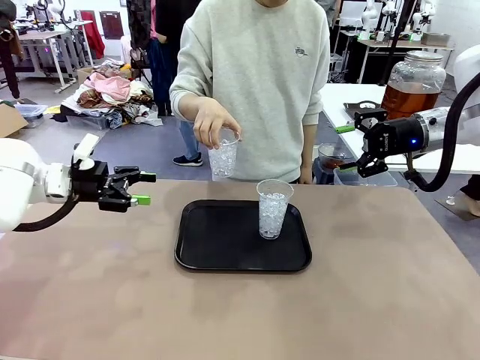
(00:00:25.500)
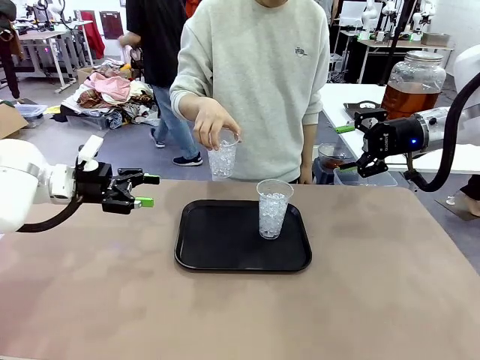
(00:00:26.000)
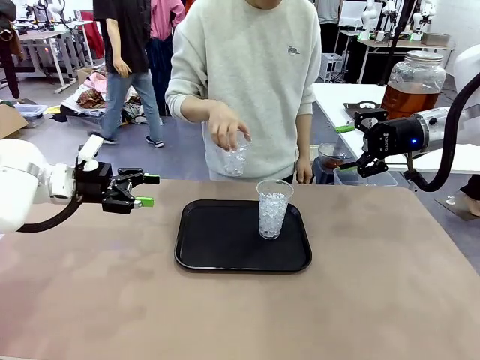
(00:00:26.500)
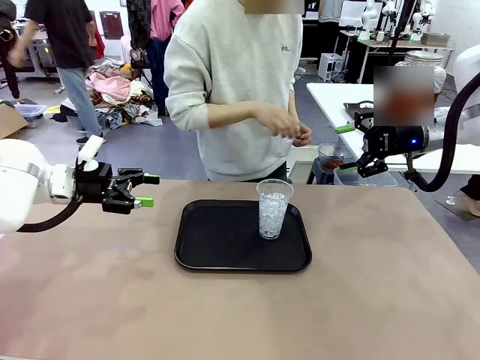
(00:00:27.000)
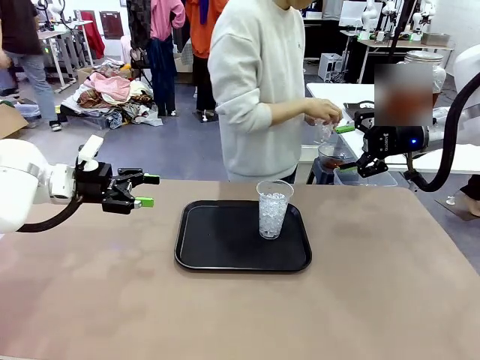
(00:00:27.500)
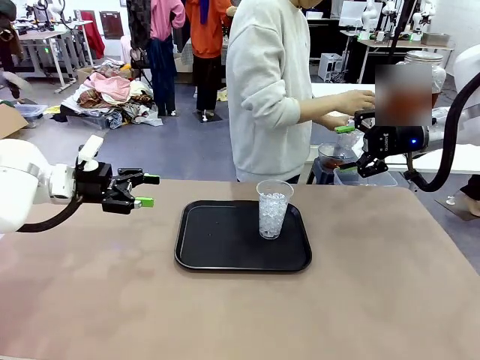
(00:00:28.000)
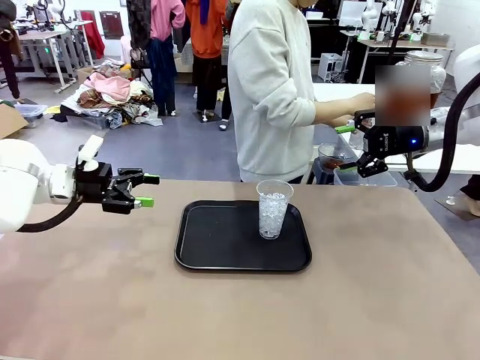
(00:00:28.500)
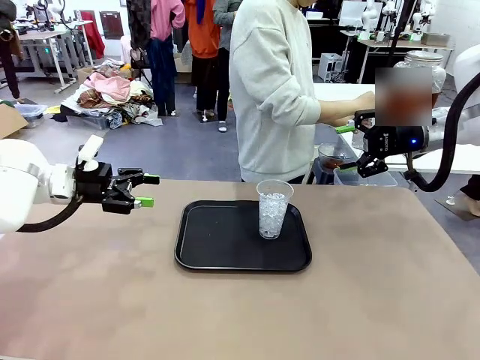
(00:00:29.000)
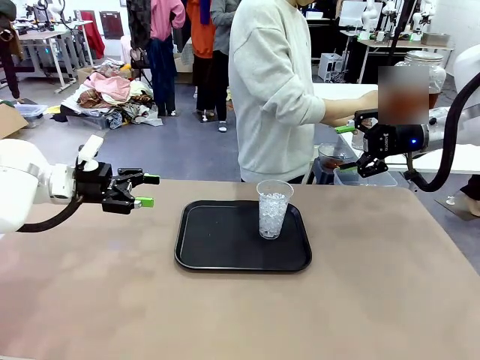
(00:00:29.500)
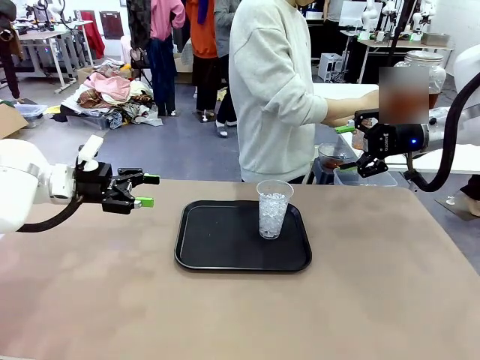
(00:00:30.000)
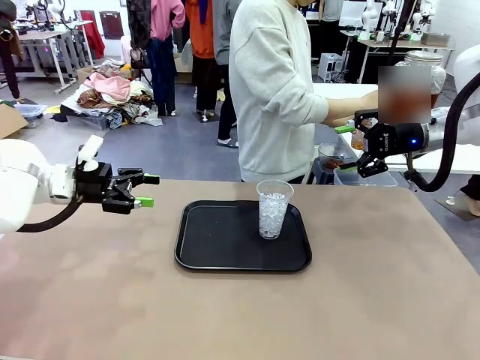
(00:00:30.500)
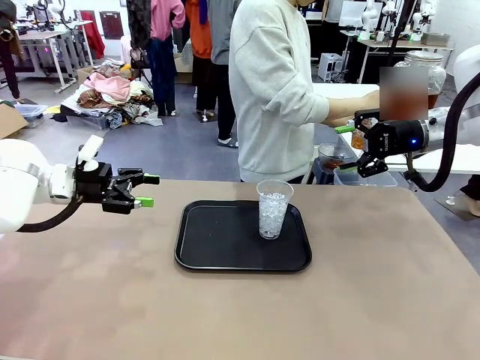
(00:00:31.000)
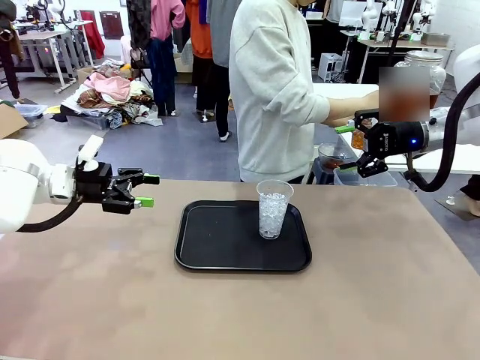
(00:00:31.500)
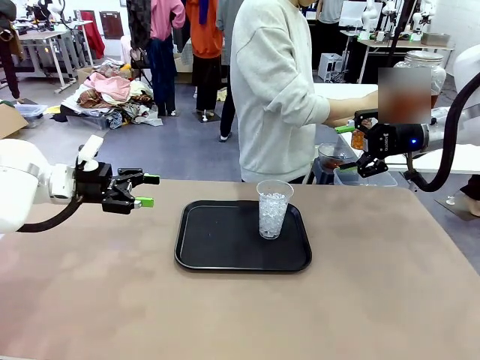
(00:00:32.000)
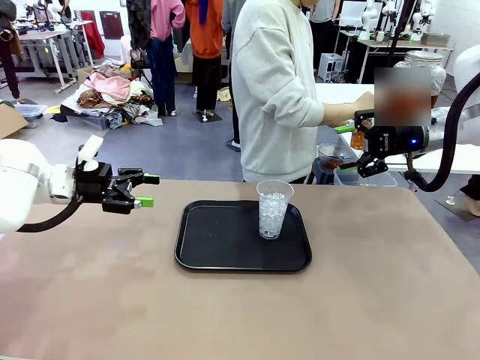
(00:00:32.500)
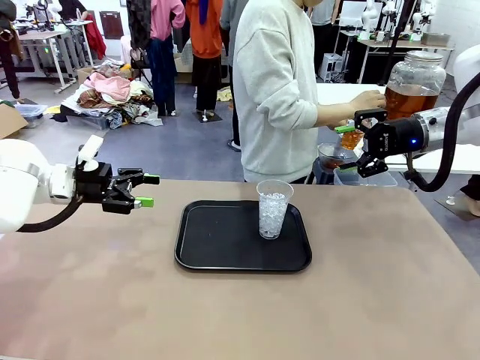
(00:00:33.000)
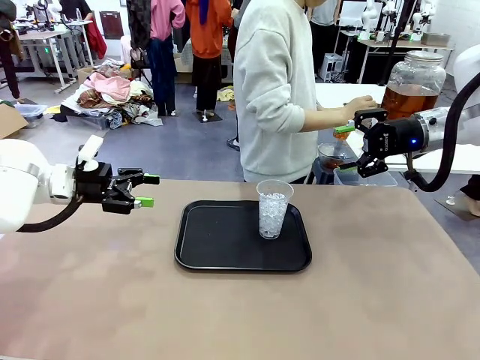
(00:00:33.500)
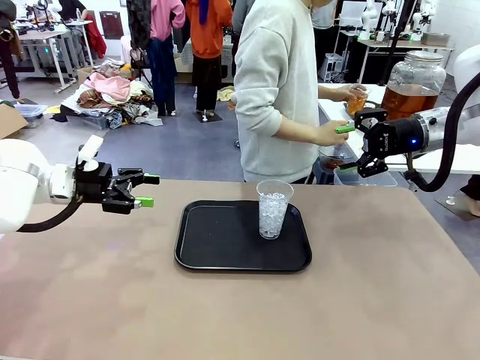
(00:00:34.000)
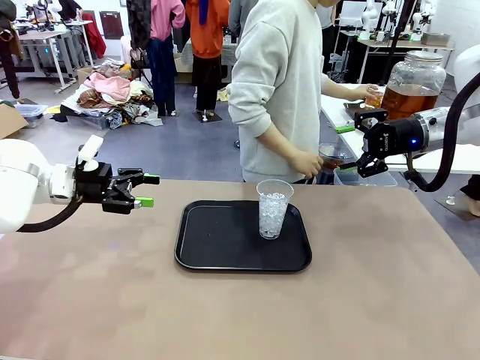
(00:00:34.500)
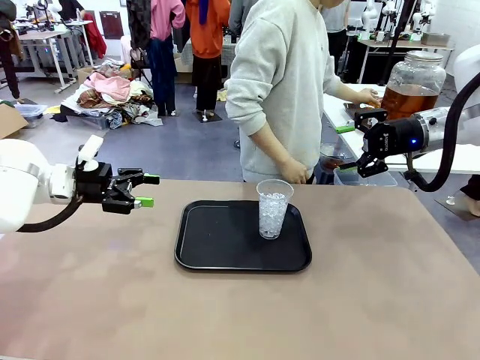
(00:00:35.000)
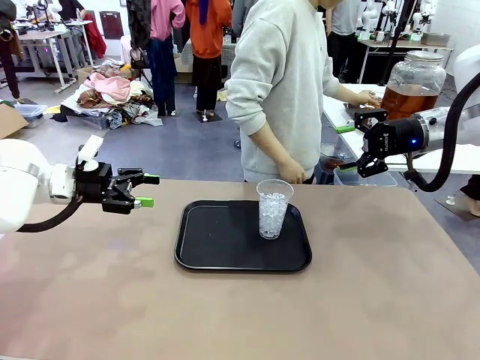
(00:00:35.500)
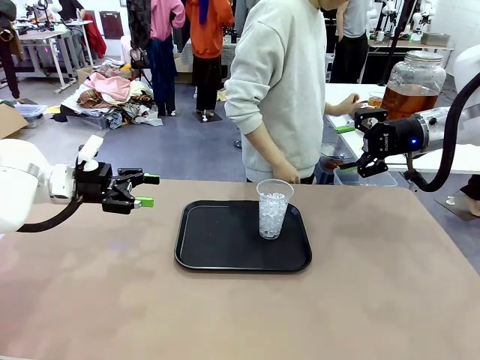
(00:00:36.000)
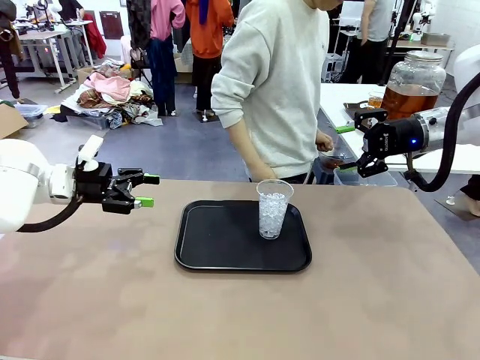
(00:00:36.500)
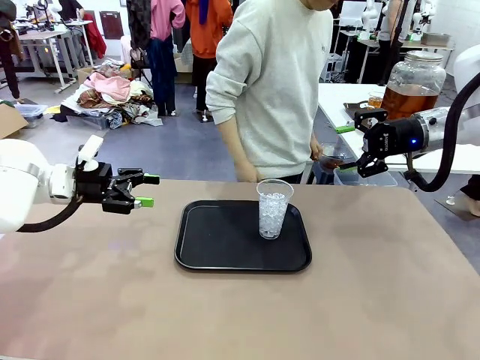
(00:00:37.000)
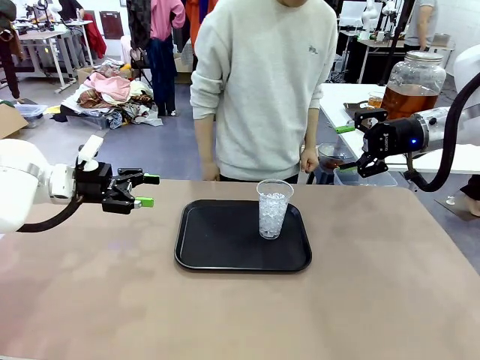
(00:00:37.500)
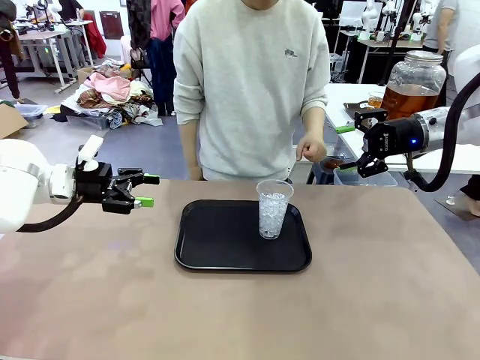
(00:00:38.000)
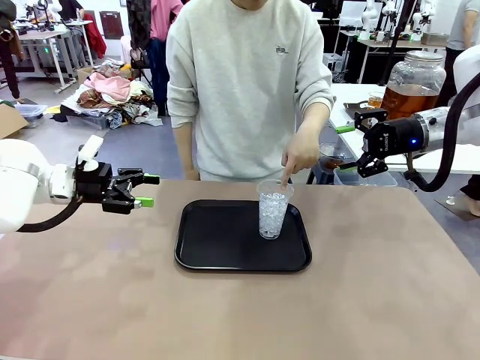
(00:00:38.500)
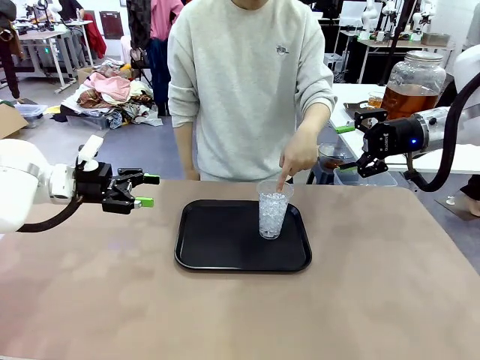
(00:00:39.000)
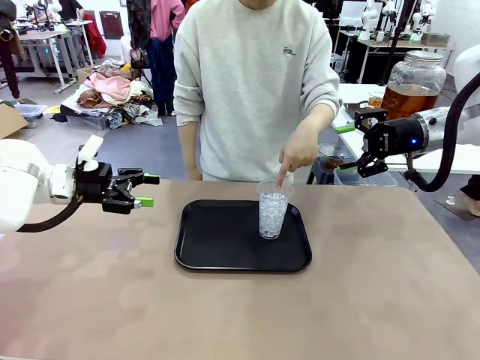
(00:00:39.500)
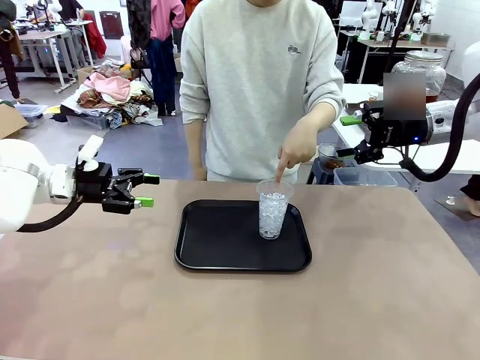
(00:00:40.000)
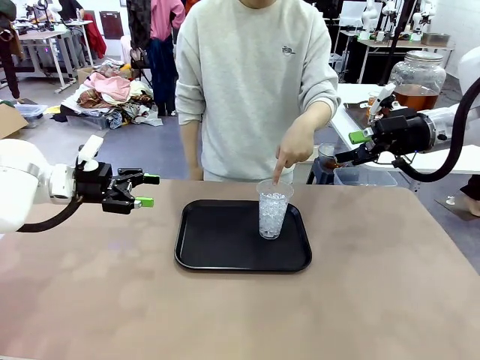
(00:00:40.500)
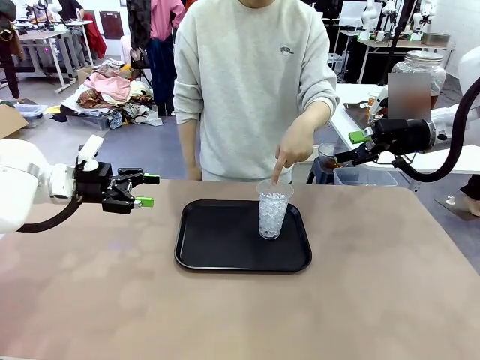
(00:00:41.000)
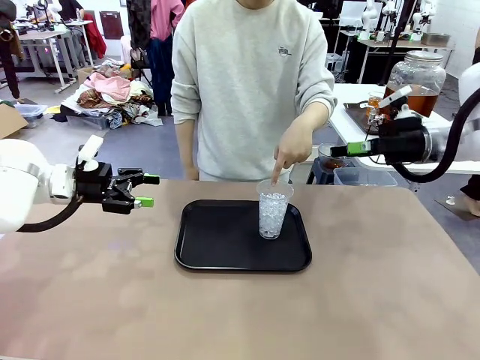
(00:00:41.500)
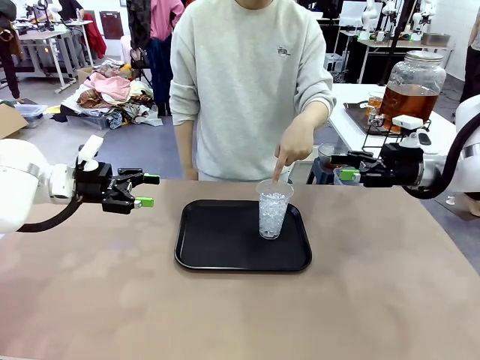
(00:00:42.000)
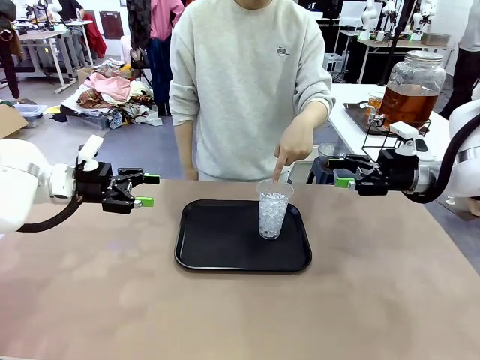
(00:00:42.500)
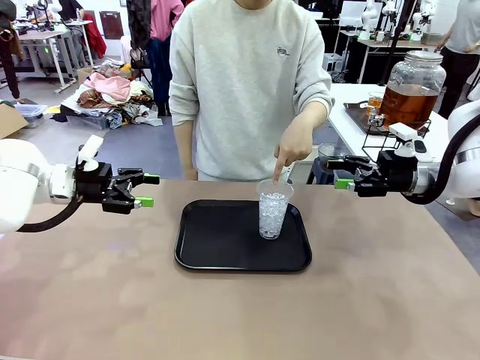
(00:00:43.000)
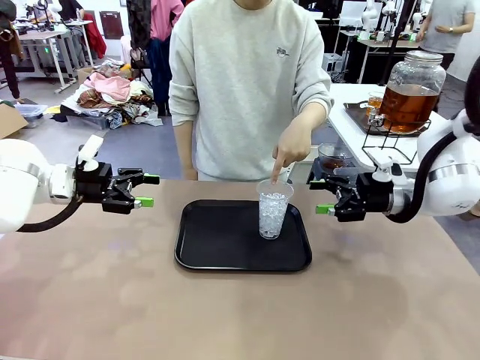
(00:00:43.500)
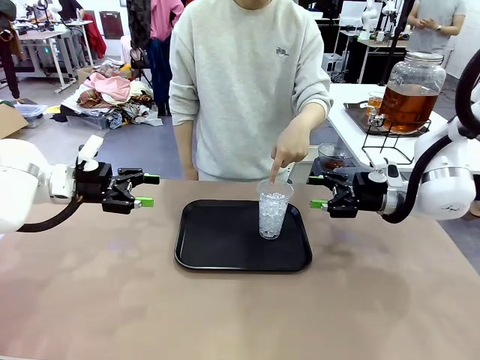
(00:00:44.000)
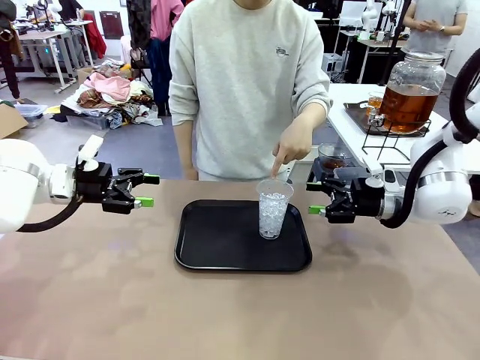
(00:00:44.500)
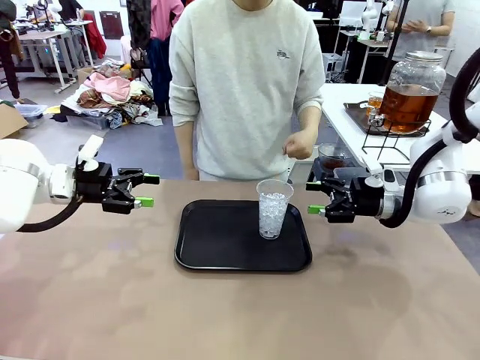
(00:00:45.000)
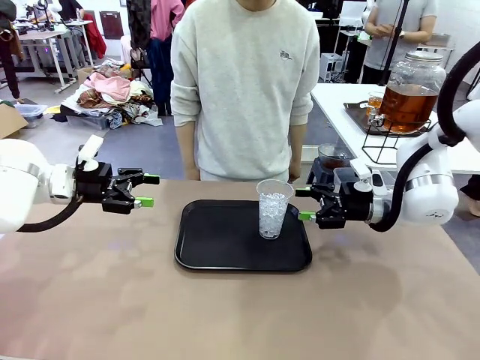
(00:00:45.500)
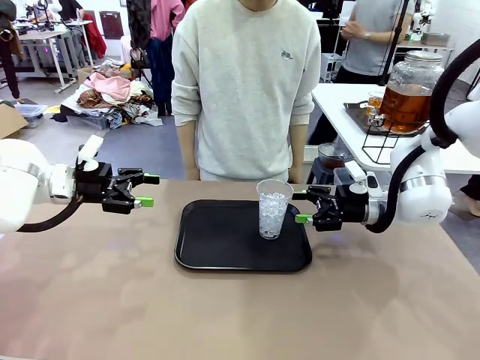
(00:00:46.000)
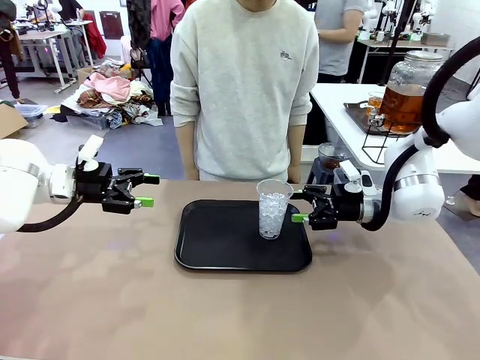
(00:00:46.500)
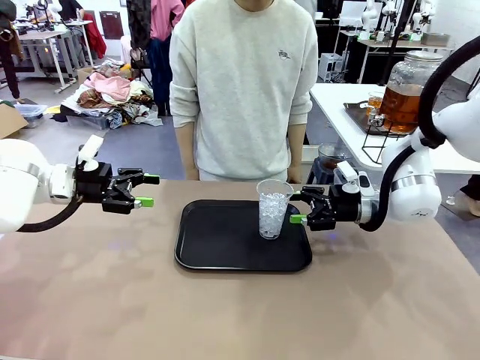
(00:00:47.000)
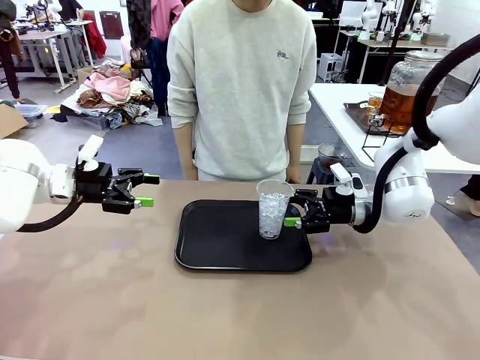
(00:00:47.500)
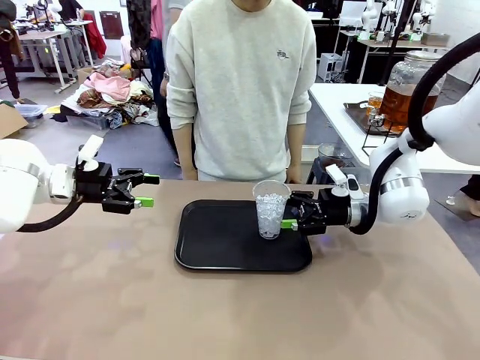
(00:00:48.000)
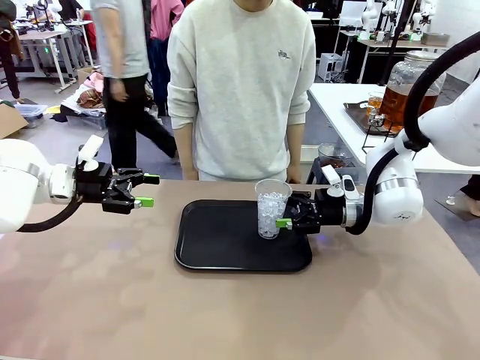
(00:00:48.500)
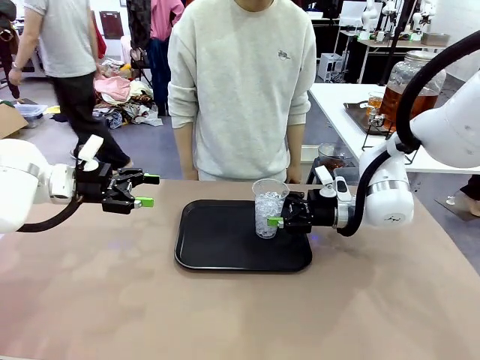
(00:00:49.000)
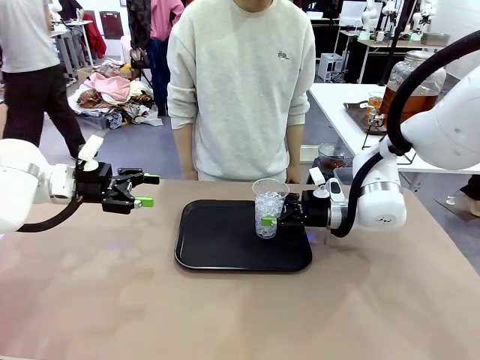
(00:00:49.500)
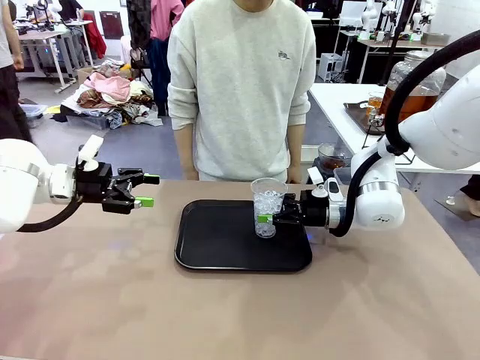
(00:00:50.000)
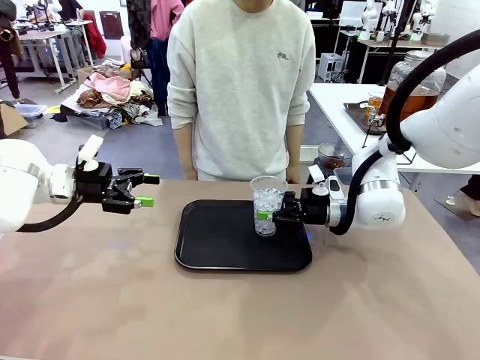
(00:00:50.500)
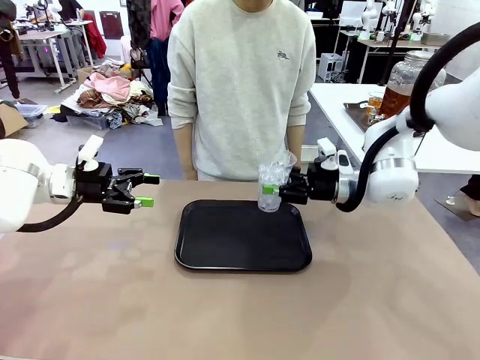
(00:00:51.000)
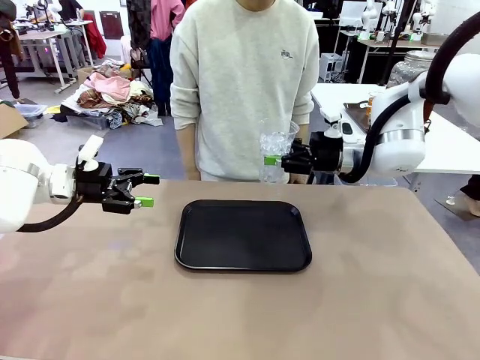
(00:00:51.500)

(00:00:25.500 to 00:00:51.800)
Task: Pour the drink into the iced cup.
Robot: Pick up the iced cup indicated by the human and present it to them.
Person: Move the picked-up cup under the dispenser faucet, pour the drink, and place it on the tray on the human table. Point to the remaining ice cup on the robot table. Pick up the cup offered by the robot.
